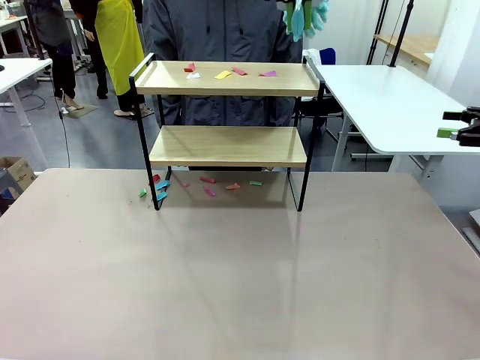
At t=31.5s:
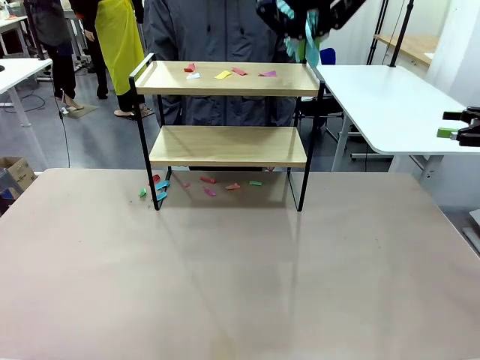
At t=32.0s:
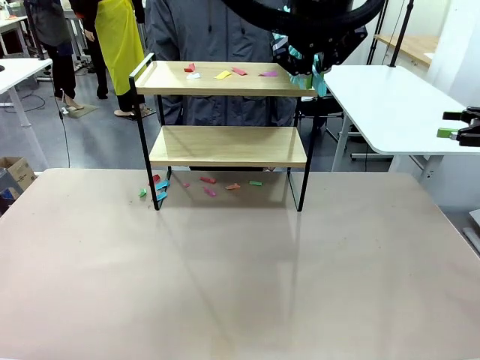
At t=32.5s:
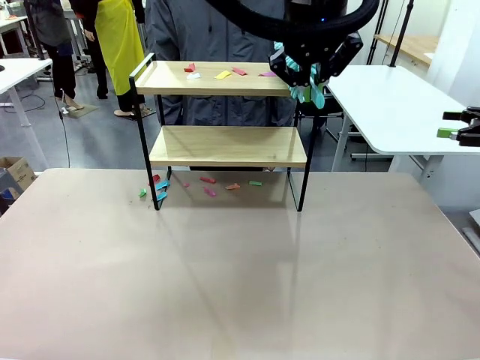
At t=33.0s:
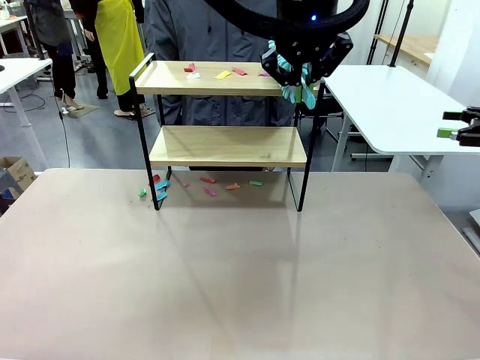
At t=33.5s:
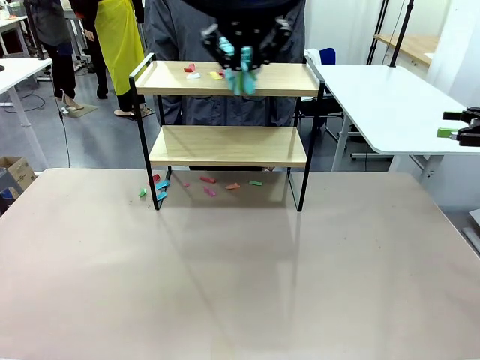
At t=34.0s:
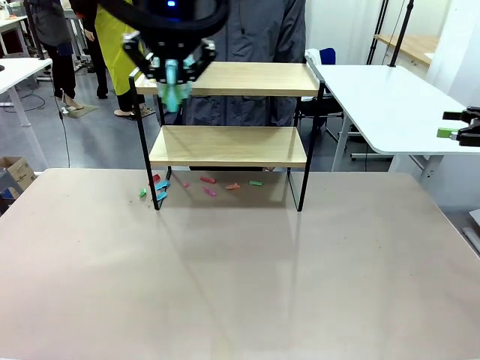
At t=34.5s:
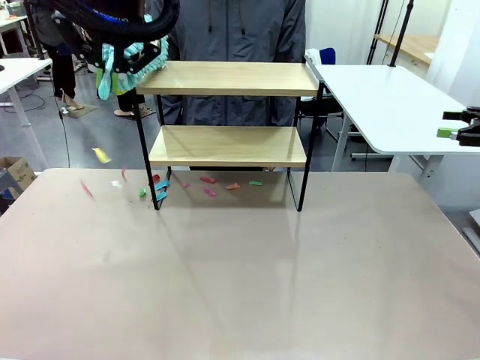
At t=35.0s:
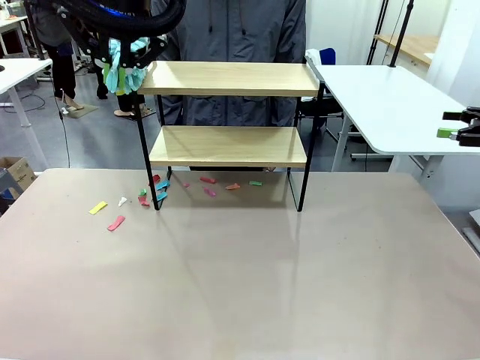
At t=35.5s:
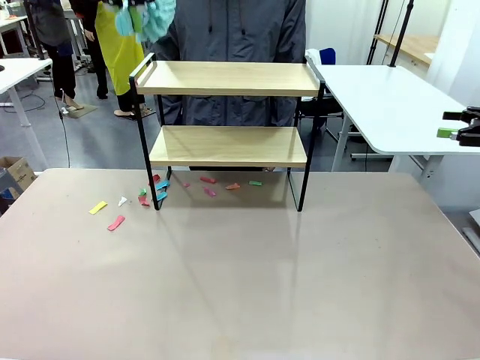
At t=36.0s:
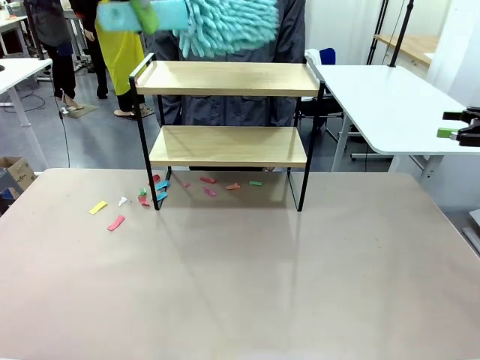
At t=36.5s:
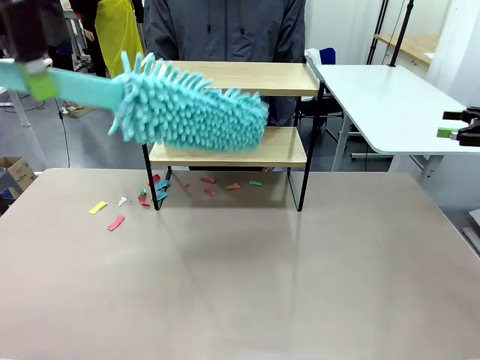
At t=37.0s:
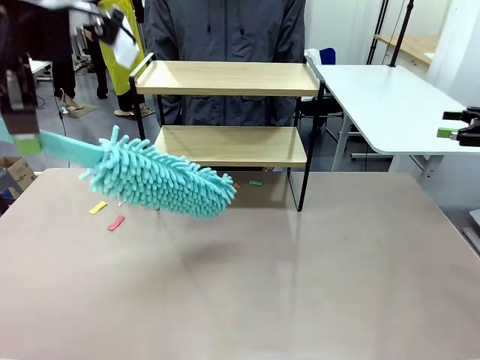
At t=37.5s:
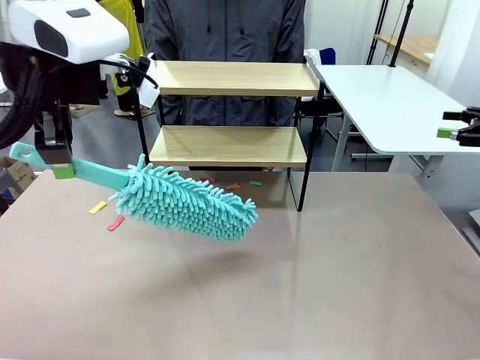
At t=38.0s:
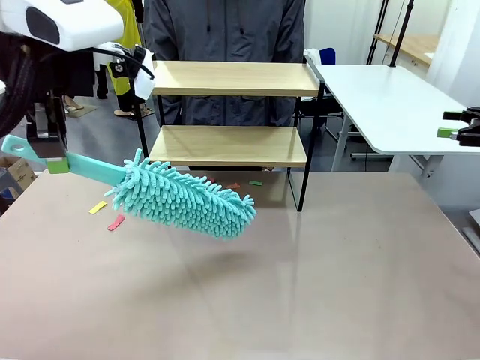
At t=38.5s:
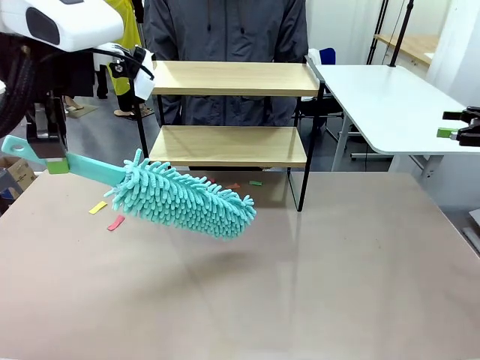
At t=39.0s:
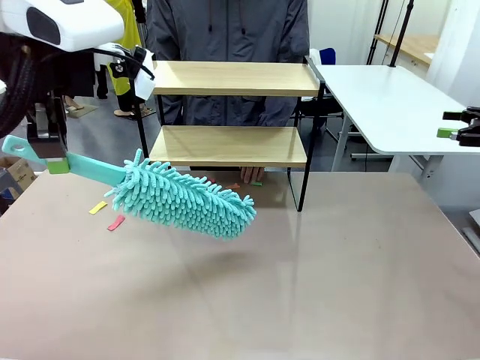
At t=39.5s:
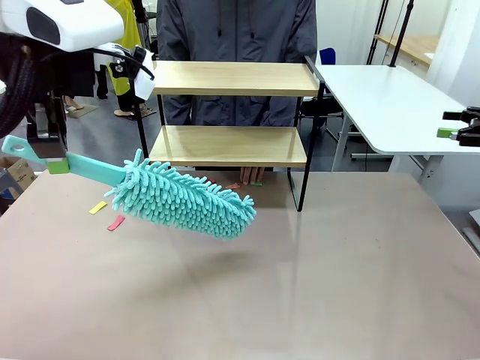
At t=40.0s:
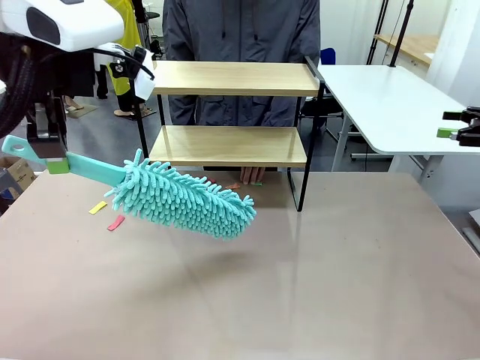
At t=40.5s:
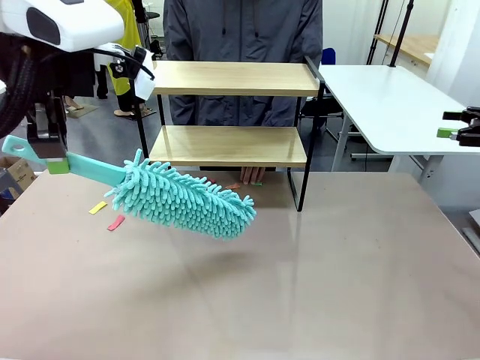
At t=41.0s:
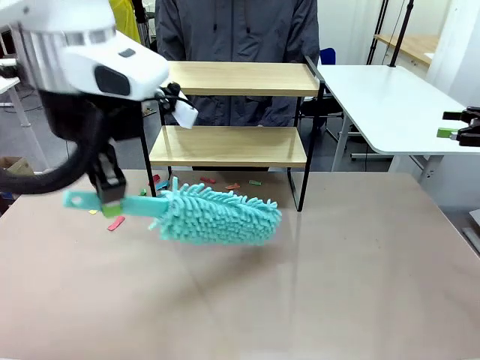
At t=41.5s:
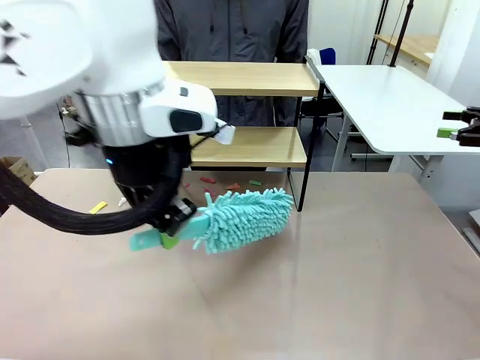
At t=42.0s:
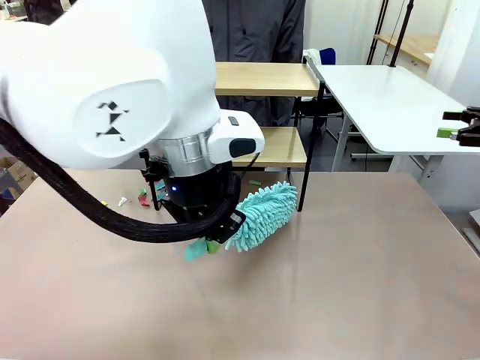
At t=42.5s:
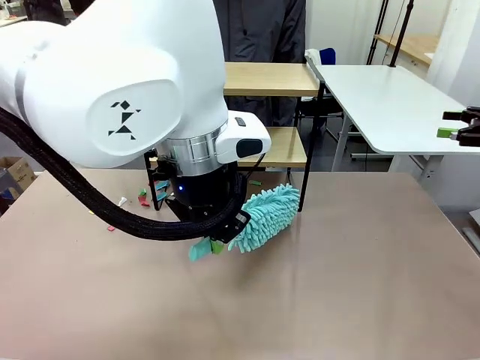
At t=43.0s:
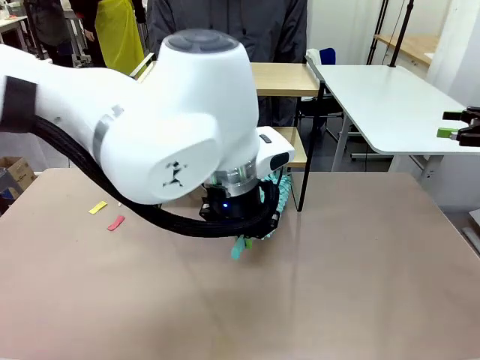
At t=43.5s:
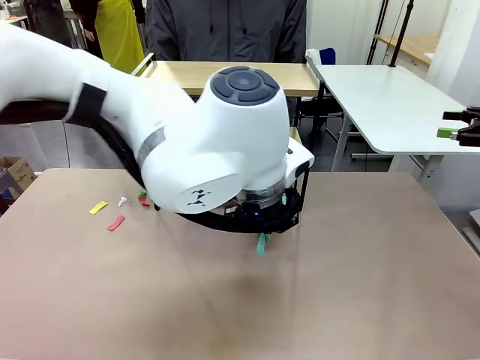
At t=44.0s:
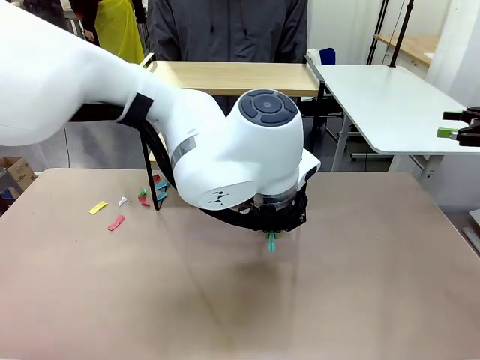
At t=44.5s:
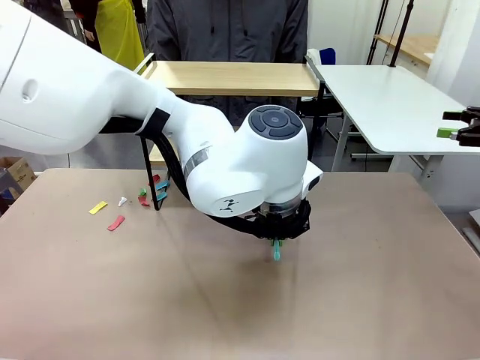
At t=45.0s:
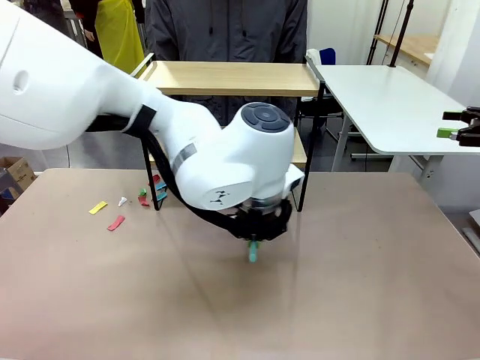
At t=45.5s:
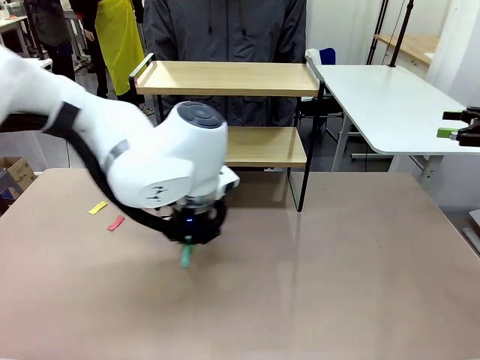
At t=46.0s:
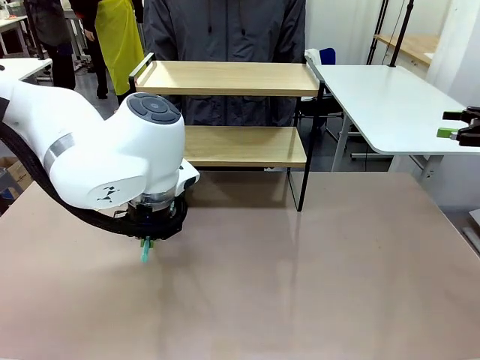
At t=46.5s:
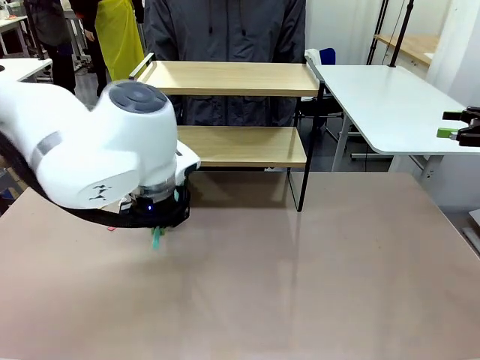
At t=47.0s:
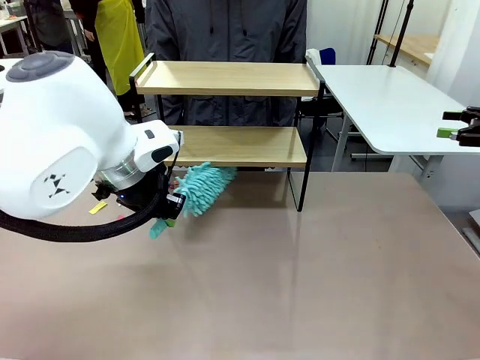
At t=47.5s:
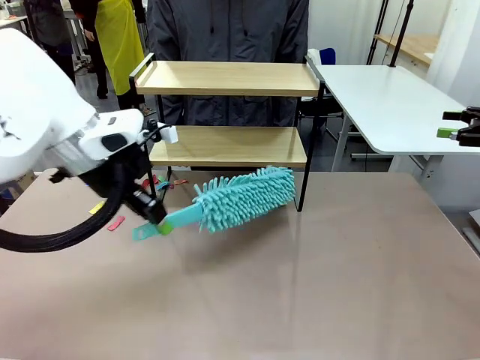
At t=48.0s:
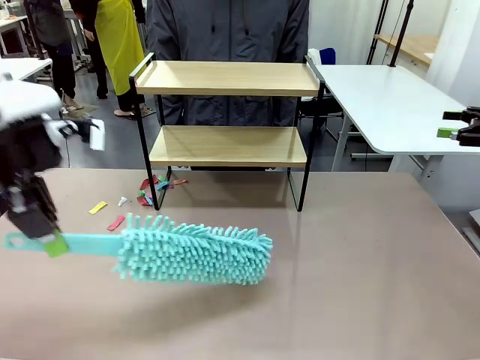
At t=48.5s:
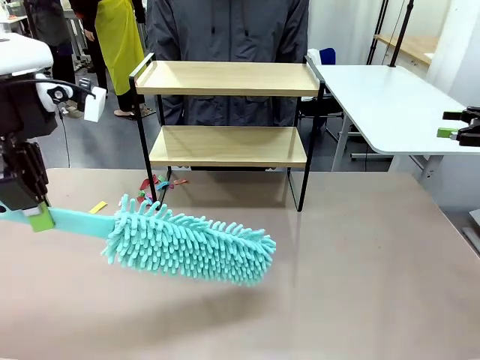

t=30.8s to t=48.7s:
Task: Clean the shelf.
Robot: Clean the specific section of the Shelf indicated by the human with the Duster.
Person: Point a remaining section of the Shelf.
